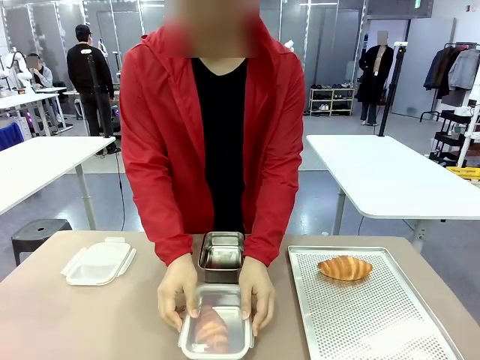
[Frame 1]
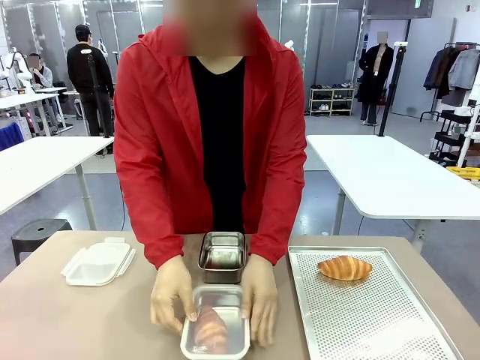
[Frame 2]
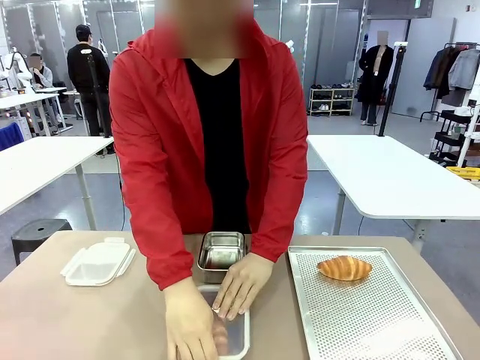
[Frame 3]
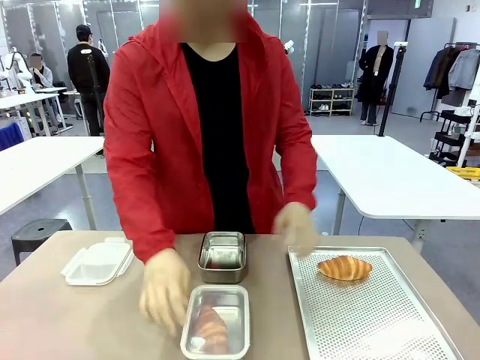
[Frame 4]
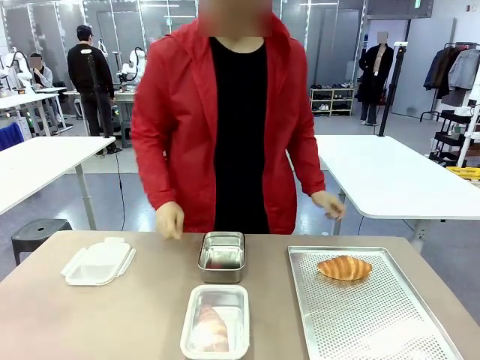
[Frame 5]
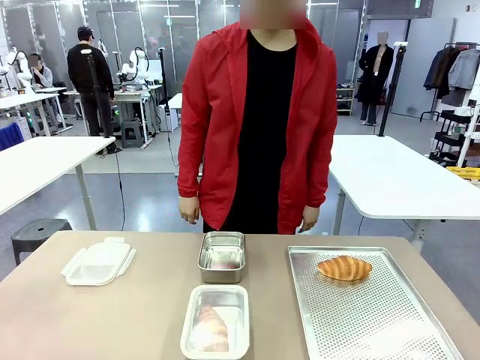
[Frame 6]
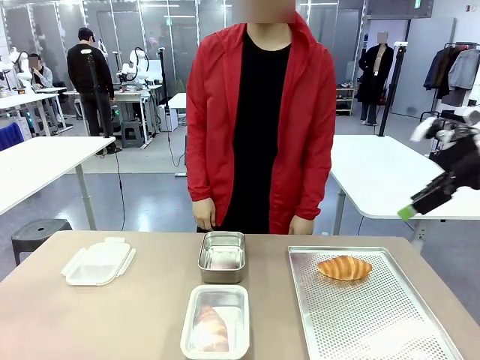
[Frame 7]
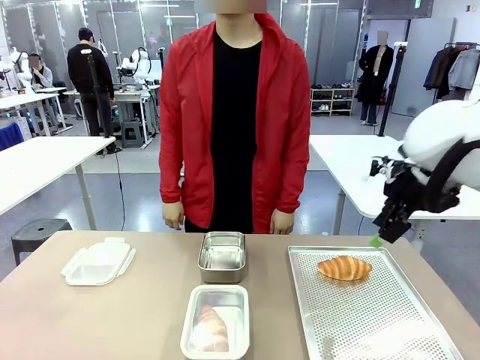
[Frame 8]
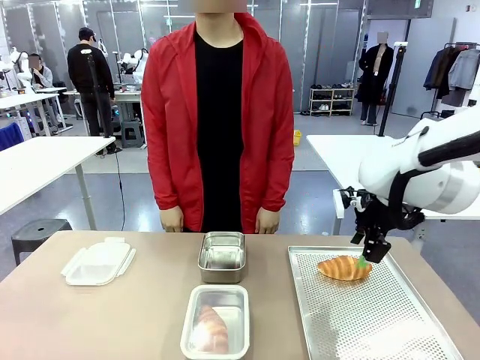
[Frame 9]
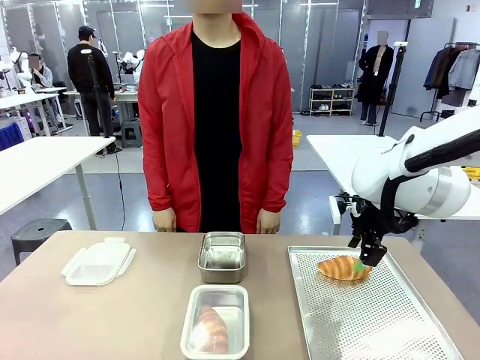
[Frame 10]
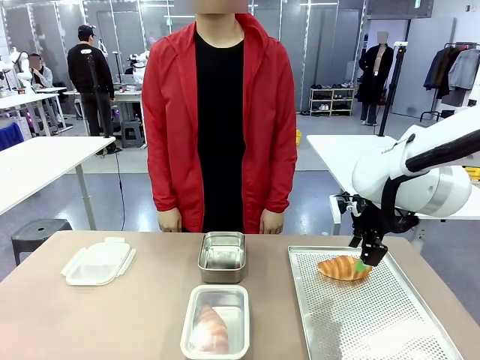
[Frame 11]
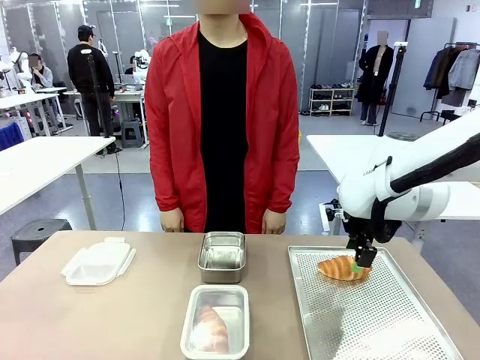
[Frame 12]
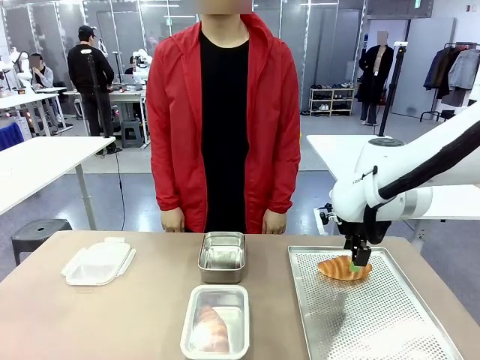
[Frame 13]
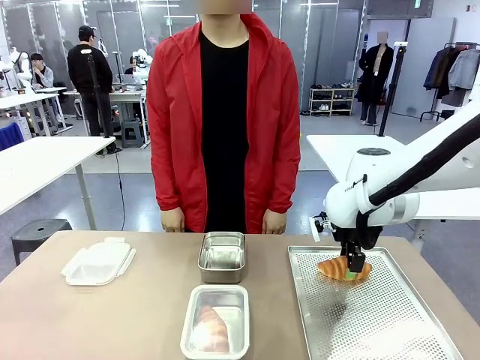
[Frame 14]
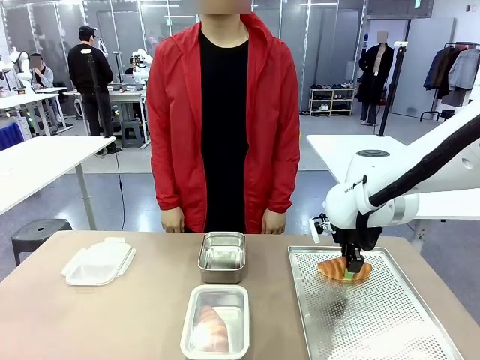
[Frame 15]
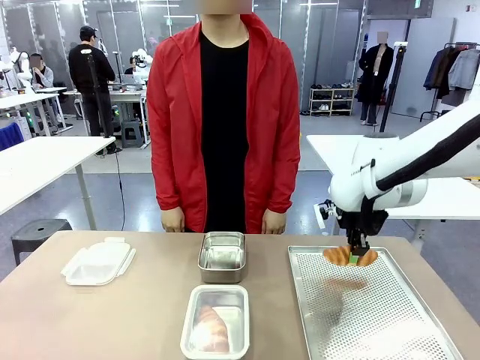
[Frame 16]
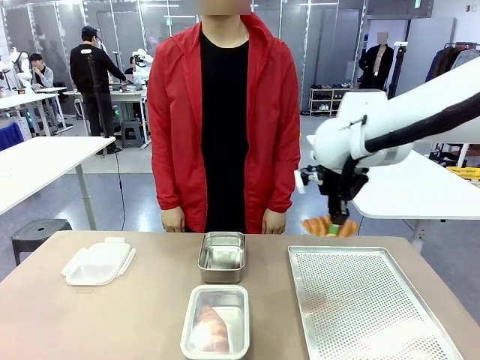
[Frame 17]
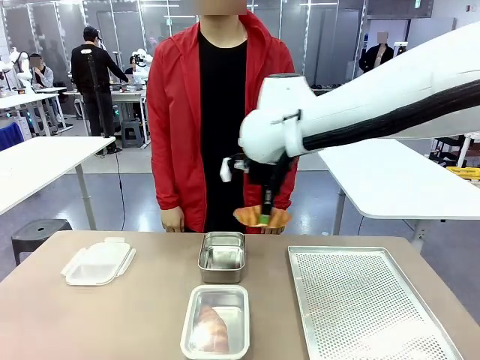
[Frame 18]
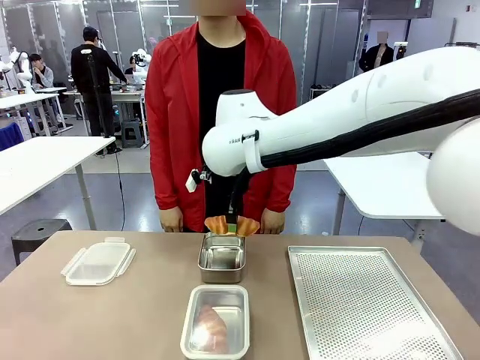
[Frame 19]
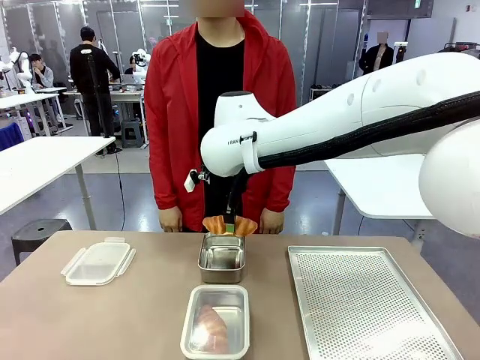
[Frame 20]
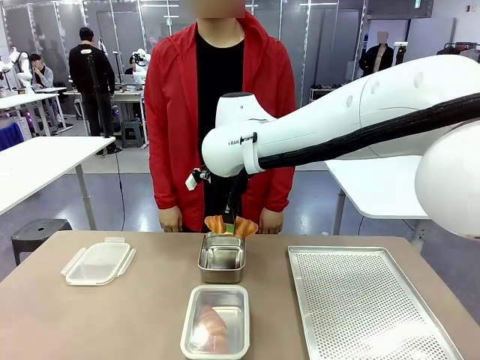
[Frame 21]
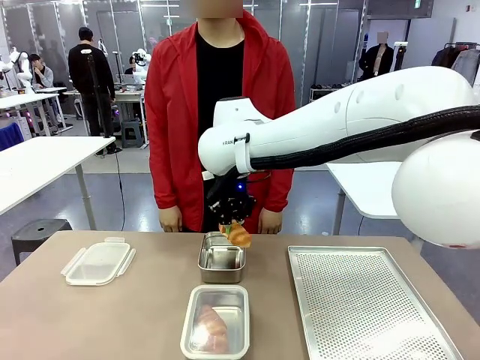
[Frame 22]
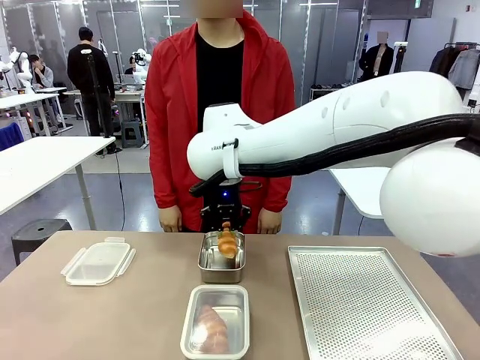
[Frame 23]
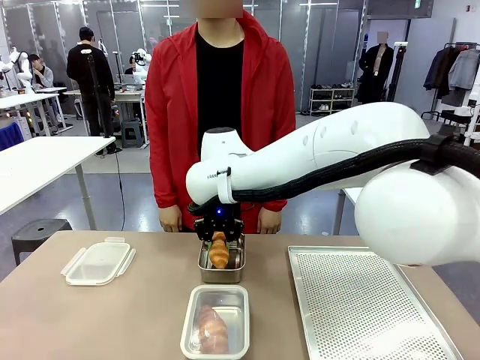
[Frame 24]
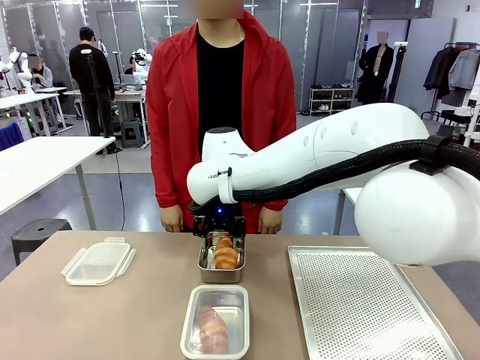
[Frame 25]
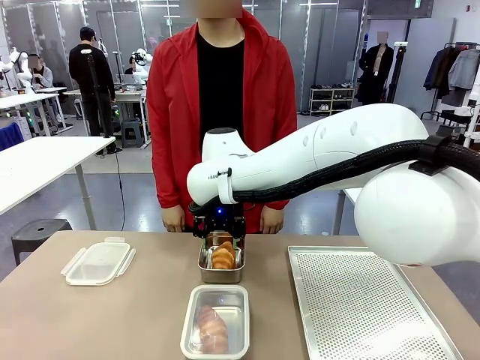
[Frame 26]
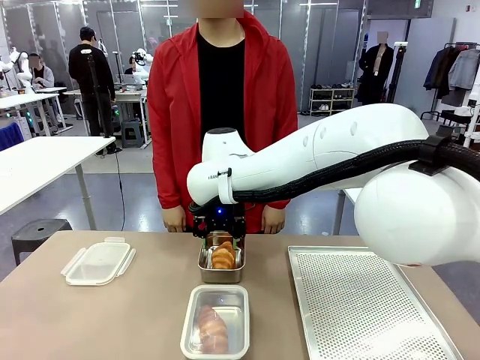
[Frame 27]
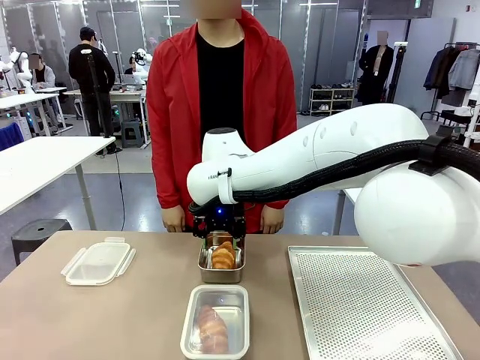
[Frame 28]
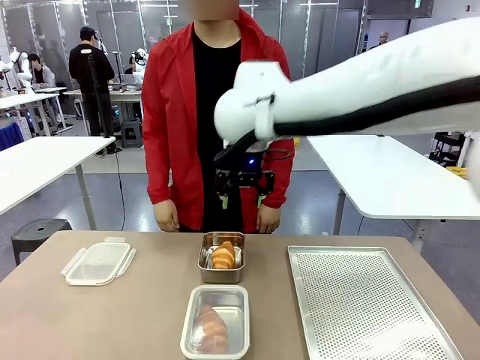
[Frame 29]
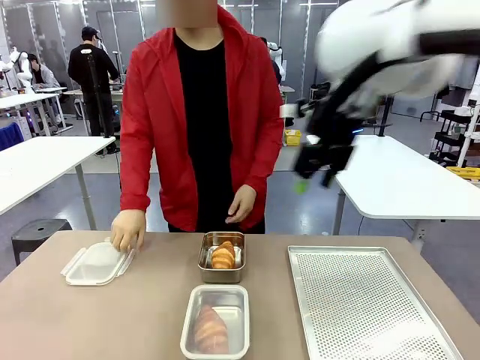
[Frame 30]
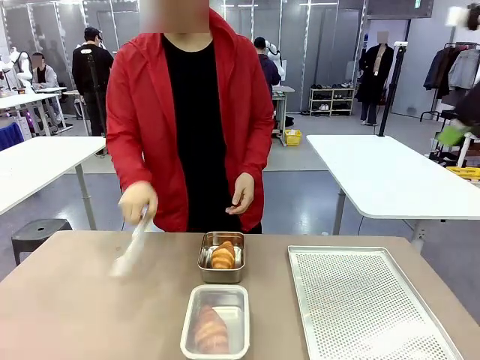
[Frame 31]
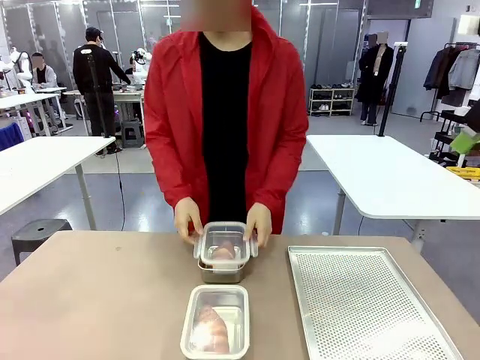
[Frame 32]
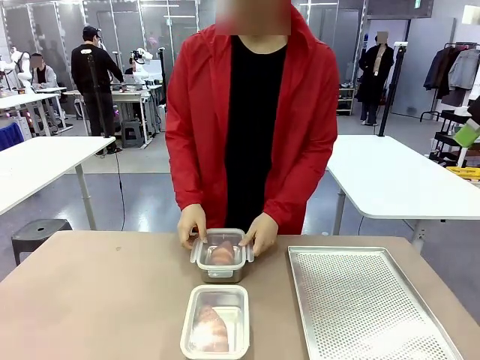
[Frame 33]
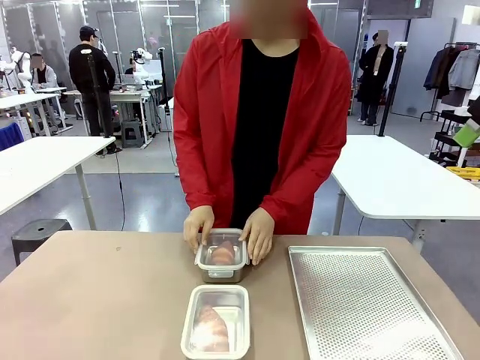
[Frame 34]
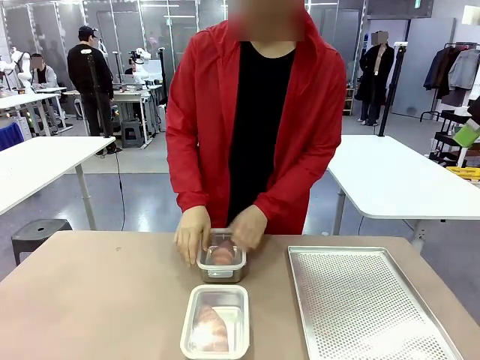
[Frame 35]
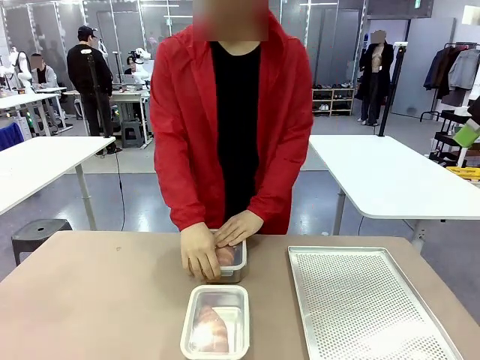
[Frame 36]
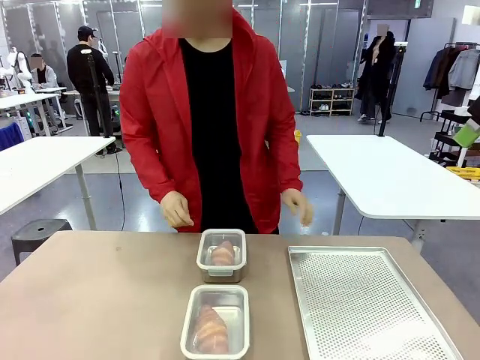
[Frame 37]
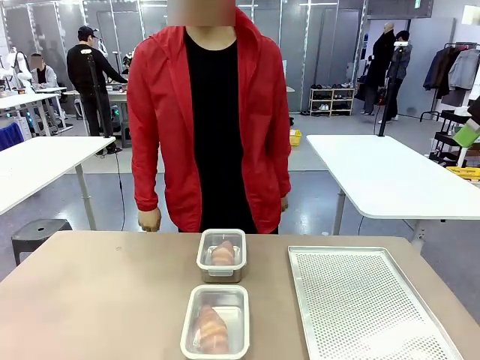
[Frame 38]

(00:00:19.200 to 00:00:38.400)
Task: Place the bread into the airtight container.
Robot: Pick up a Butter Roll and place it into an empty Airtight Container.

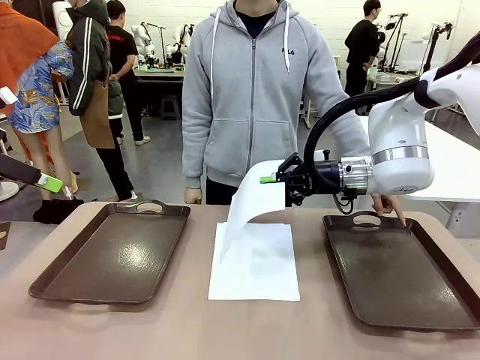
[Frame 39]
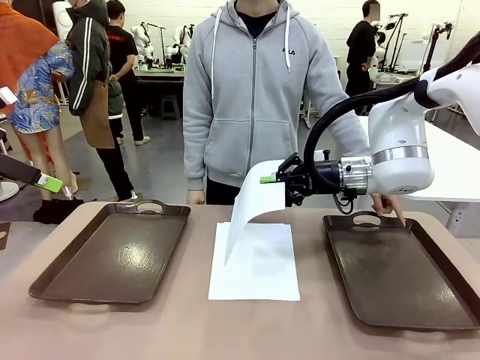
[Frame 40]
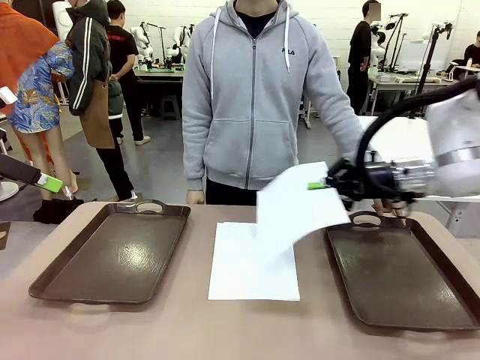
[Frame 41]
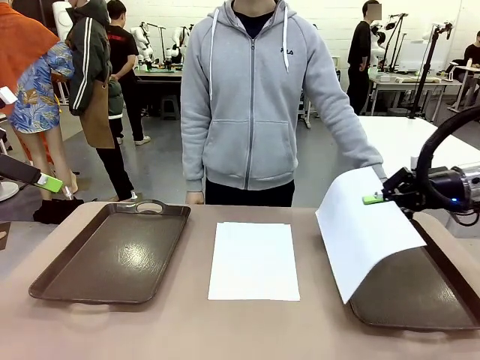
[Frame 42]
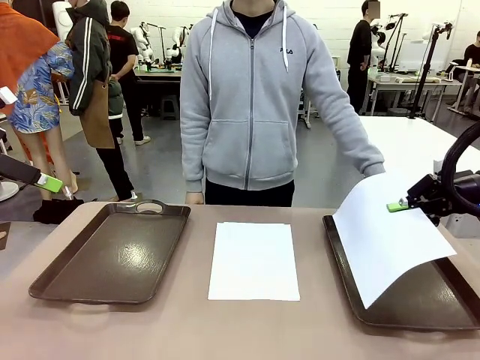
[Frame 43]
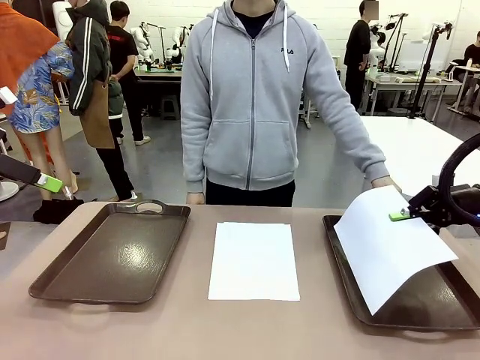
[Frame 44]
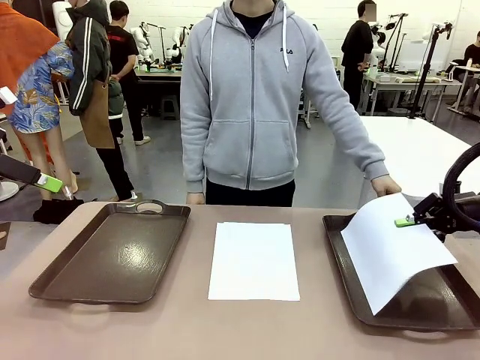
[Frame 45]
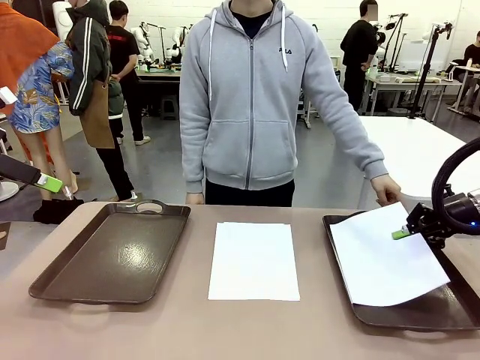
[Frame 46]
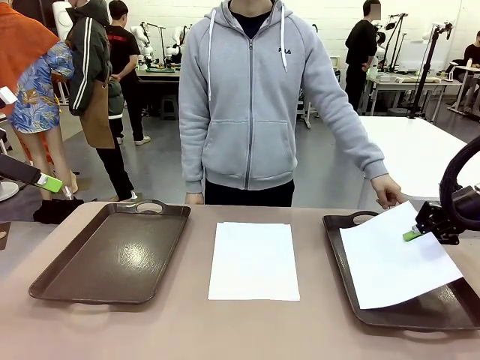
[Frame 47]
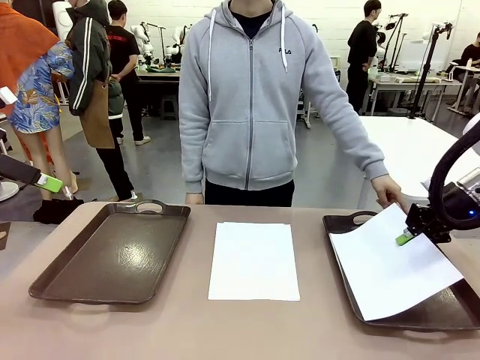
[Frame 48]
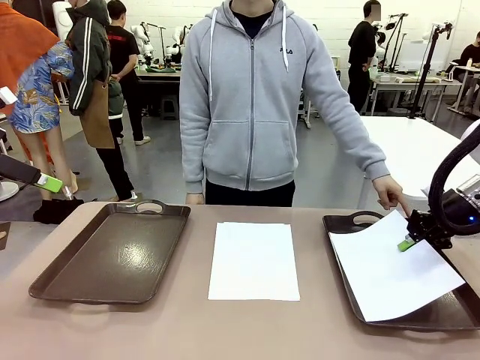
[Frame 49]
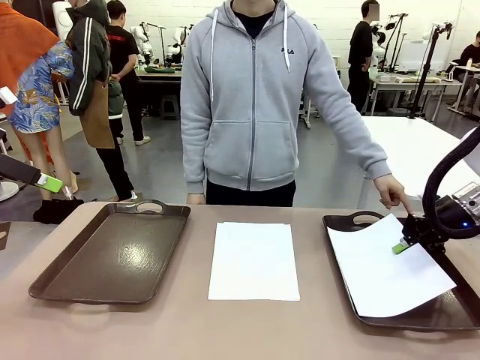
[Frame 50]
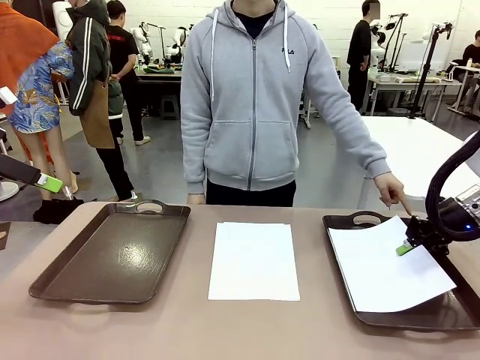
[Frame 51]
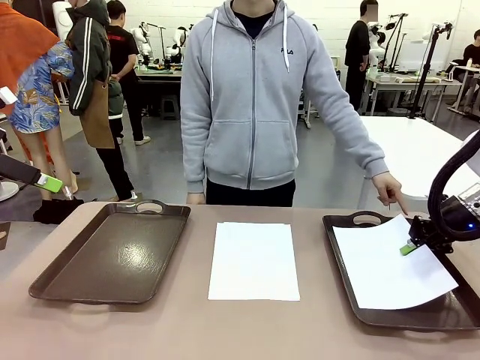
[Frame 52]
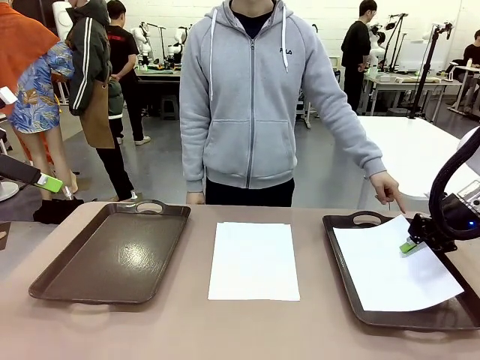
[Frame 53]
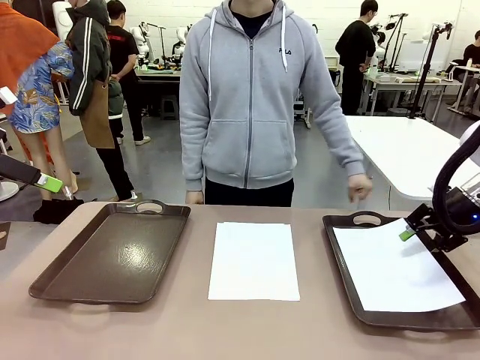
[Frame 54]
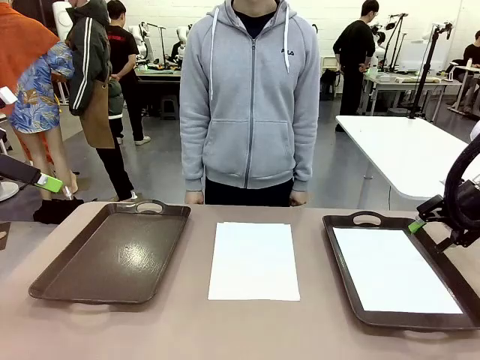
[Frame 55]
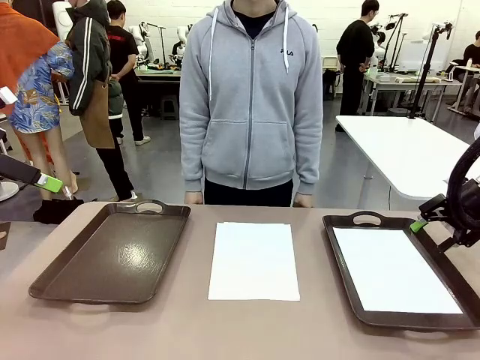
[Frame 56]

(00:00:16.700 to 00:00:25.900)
Task: Sort the A4 documents.
Robot: Place the A4 Paper in the designated Handle tray.
